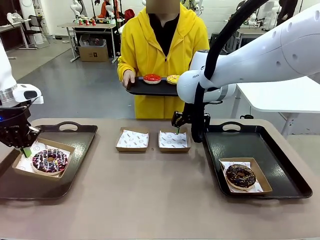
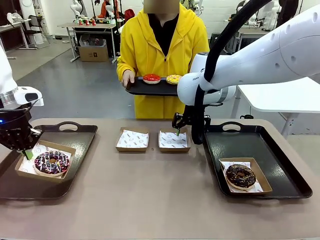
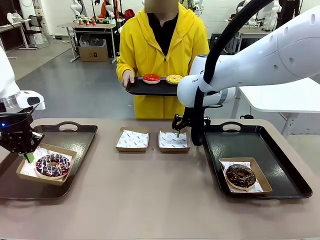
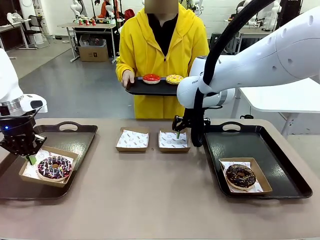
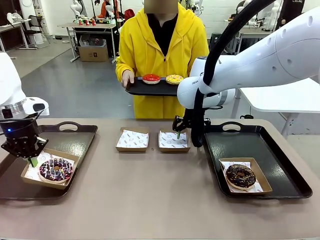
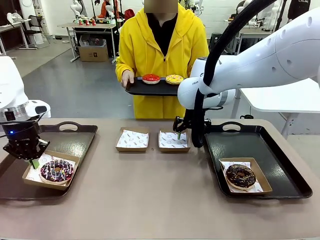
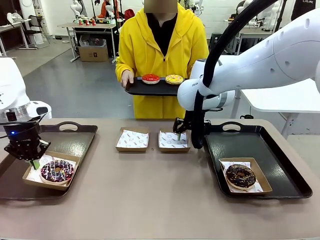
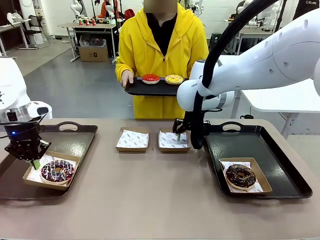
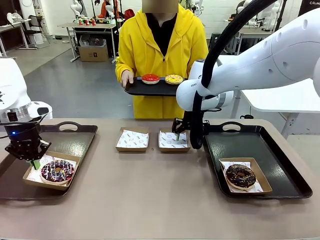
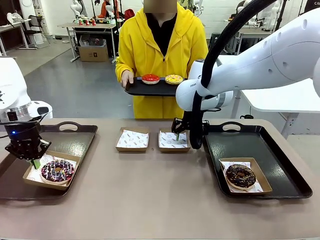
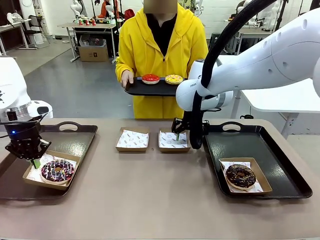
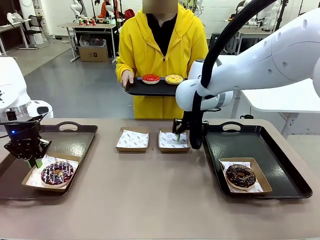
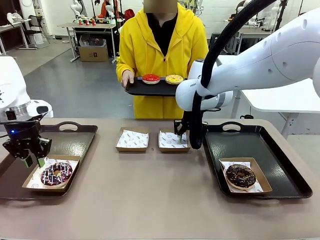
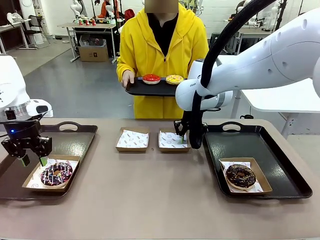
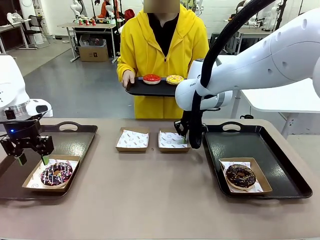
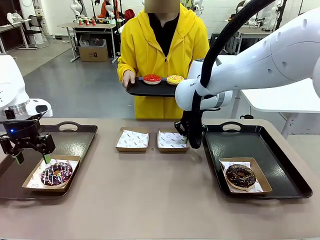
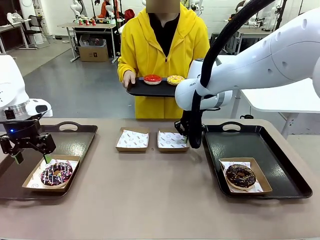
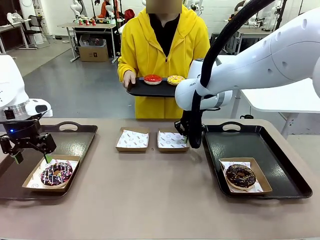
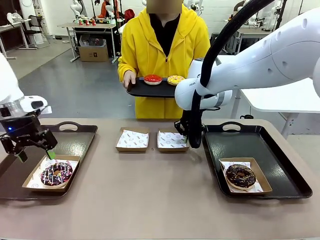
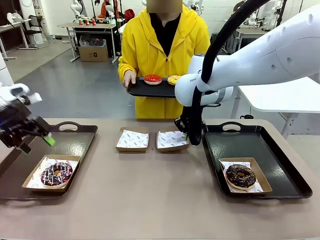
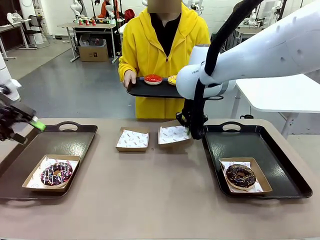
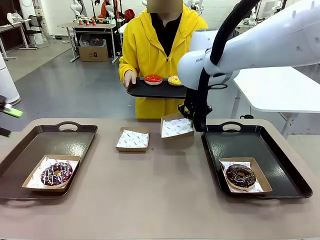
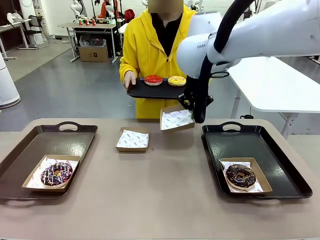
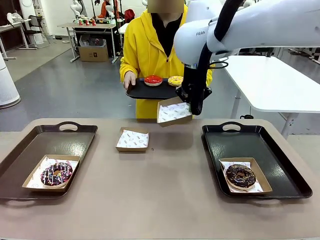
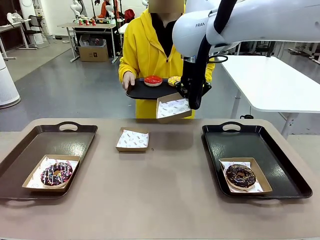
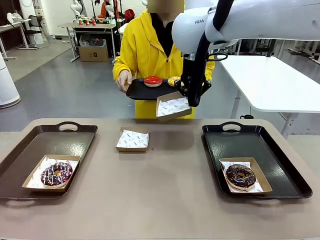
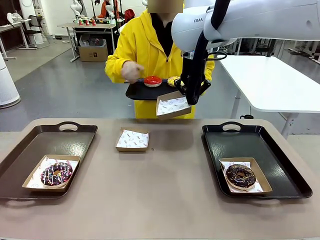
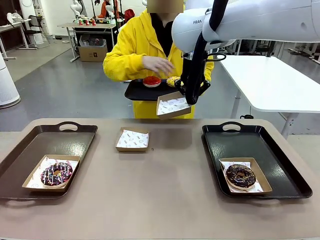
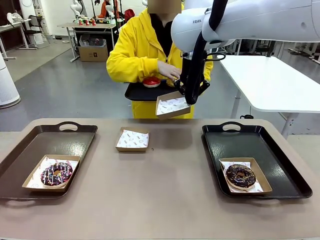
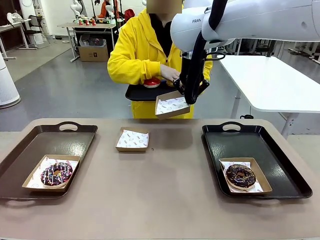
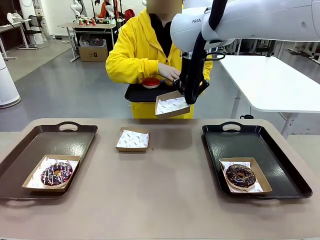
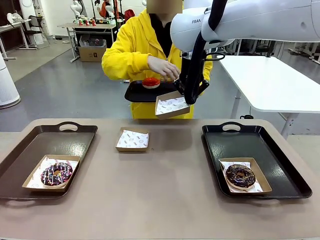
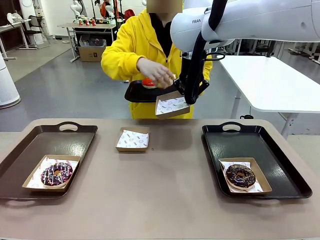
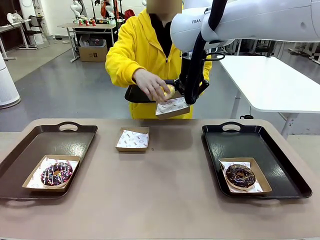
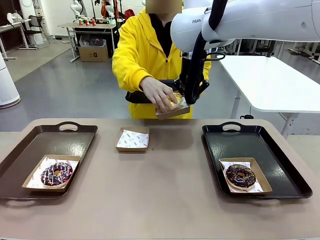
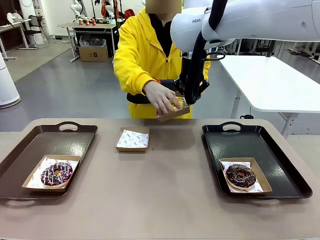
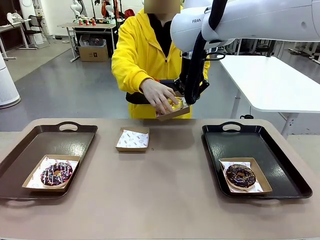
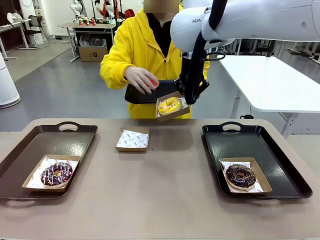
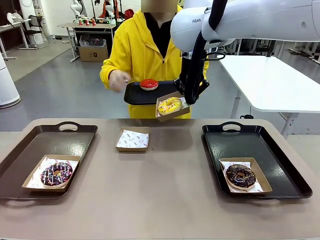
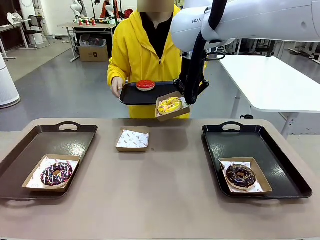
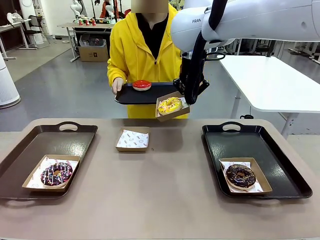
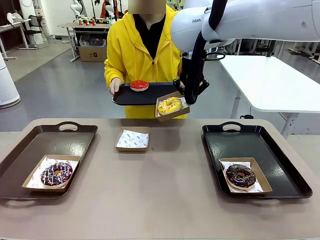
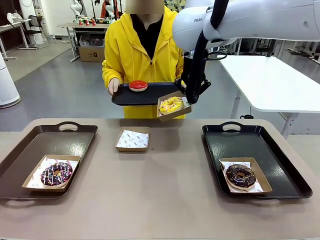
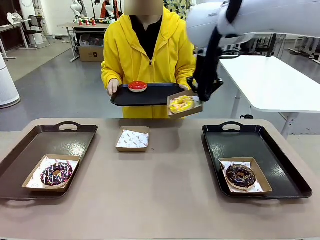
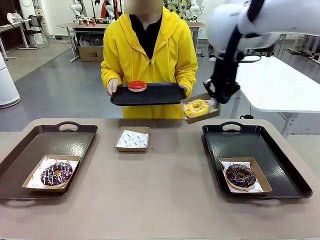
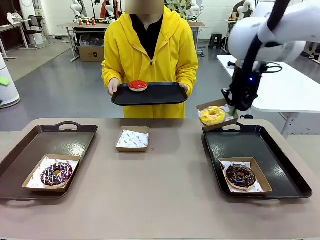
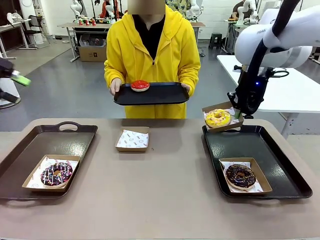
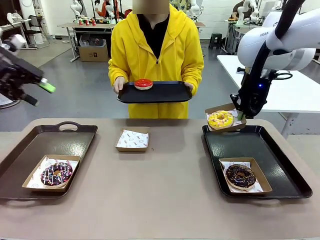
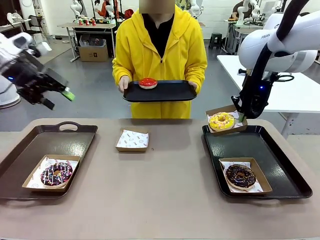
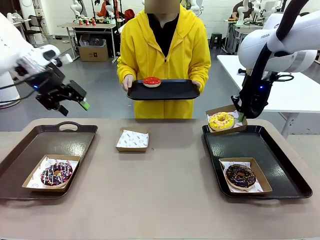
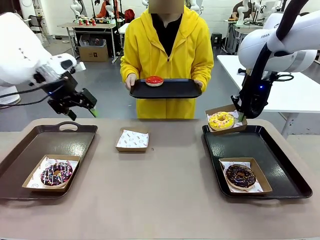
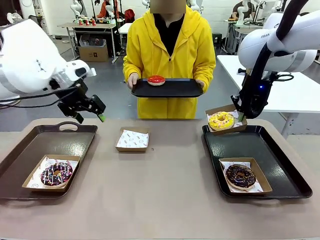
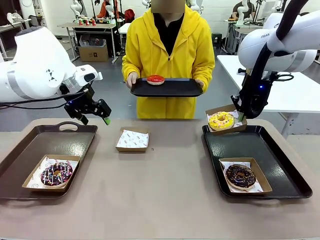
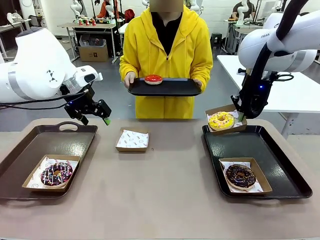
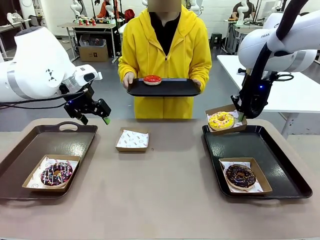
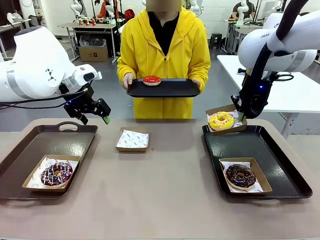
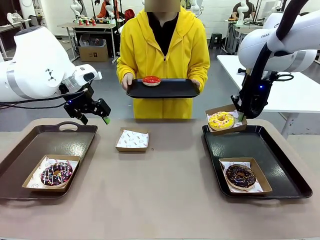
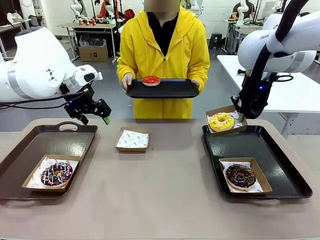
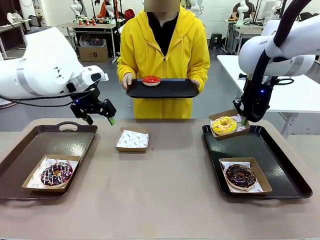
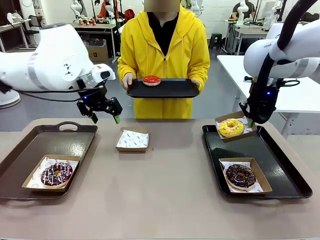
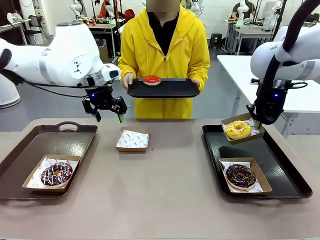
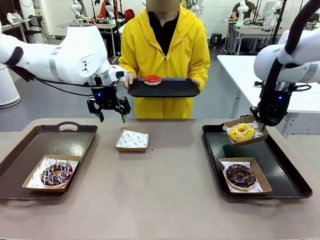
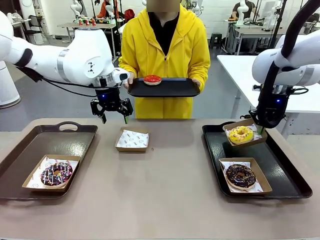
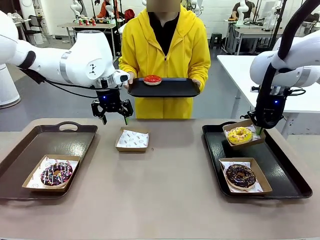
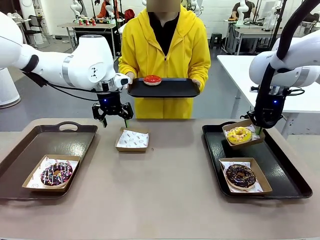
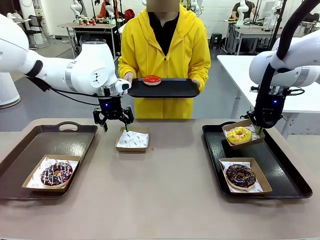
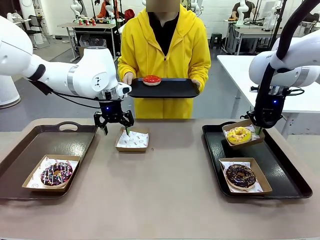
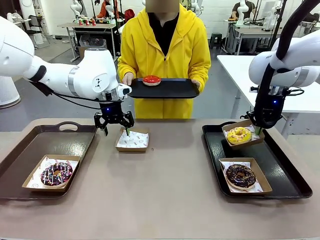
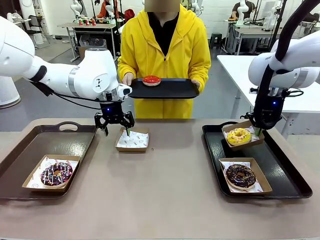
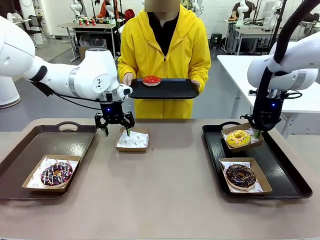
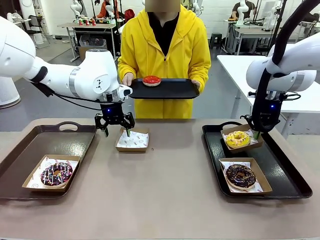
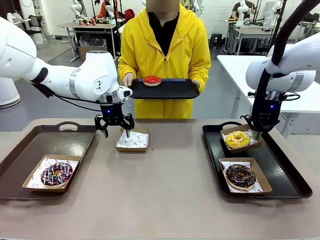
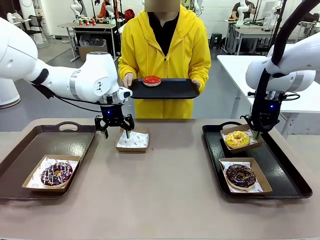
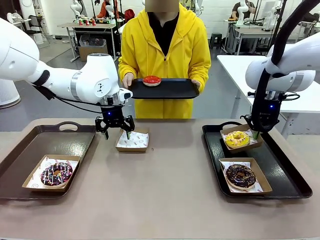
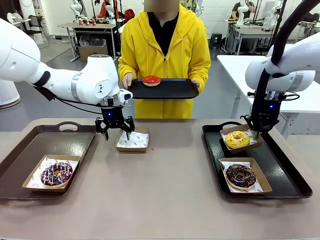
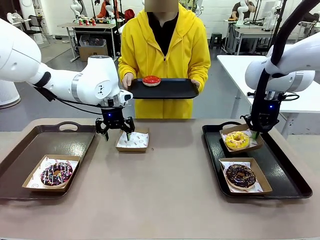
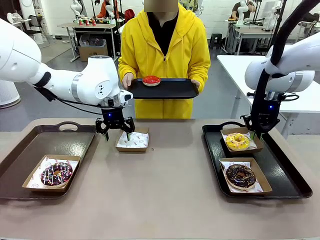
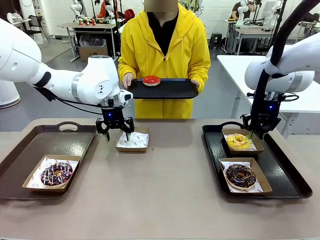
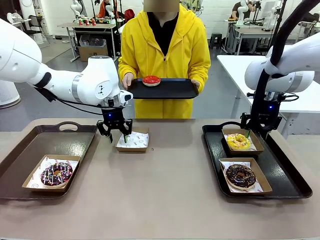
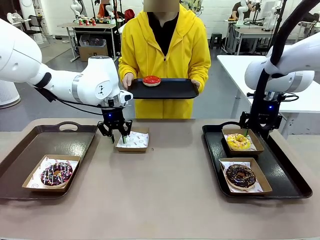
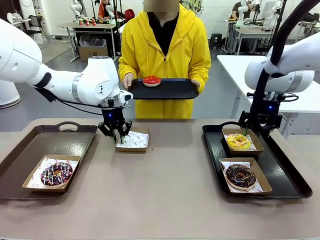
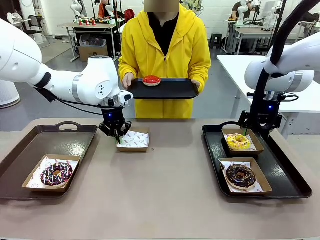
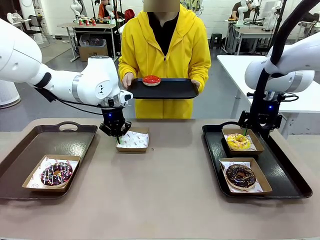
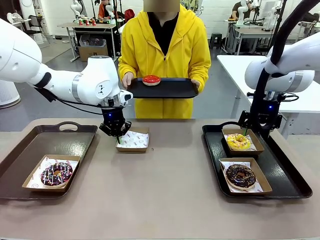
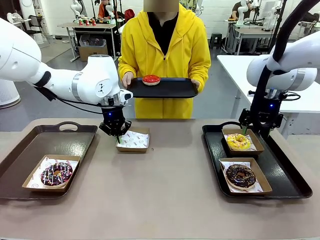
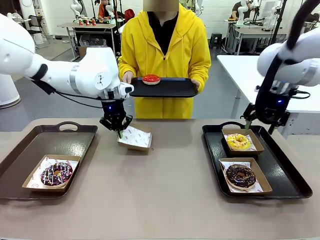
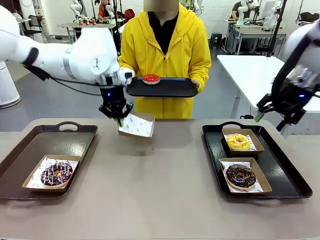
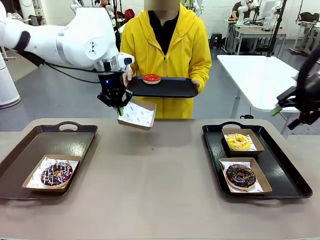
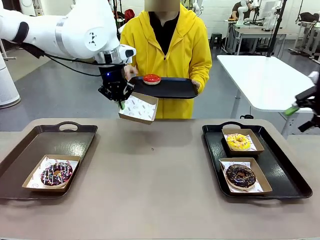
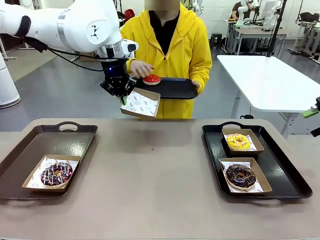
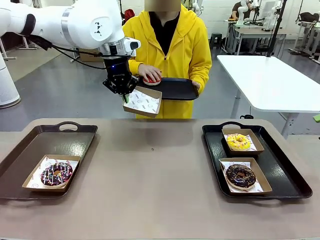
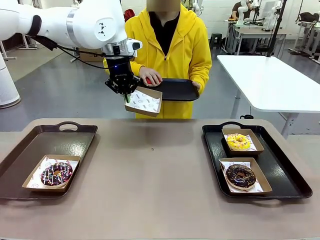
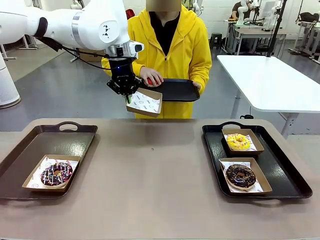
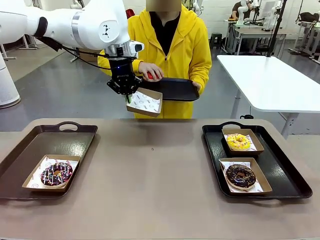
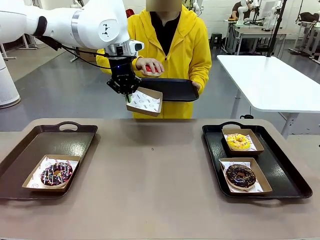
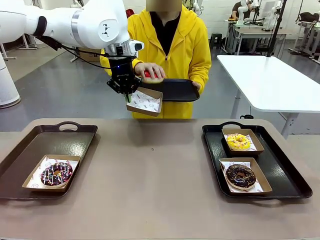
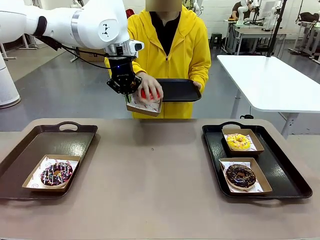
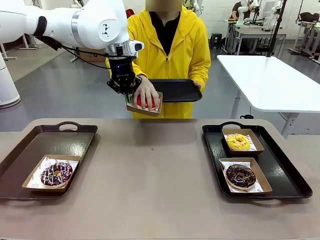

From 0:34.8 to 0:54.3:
Task: Individually package the donuts and arrange them on the tray.
Robot: Place the picked Paper togo box on the Handle tray while simultaneously picking up another Paper togo box from the table with the other hand.
